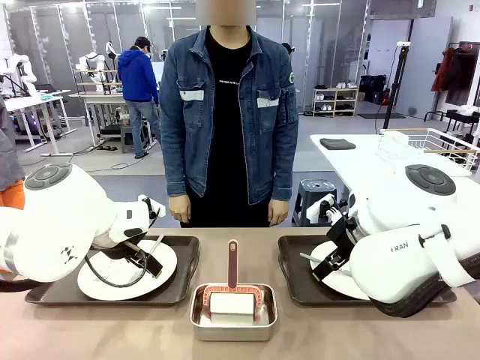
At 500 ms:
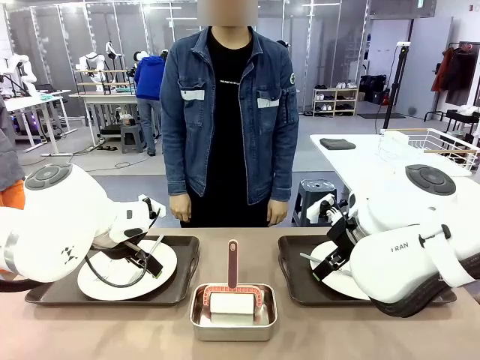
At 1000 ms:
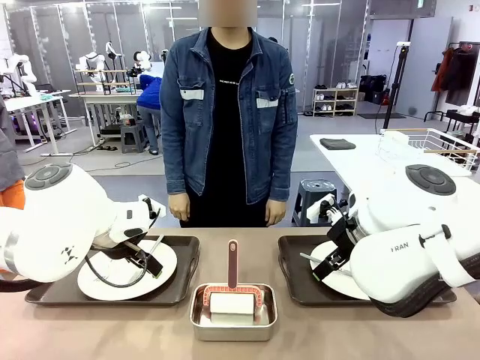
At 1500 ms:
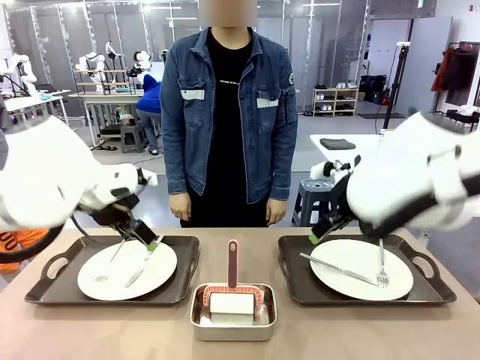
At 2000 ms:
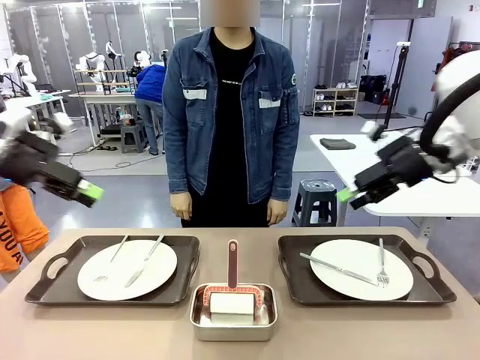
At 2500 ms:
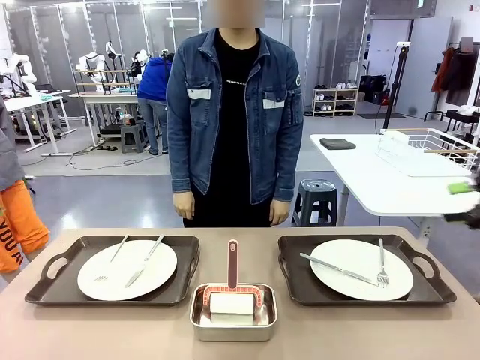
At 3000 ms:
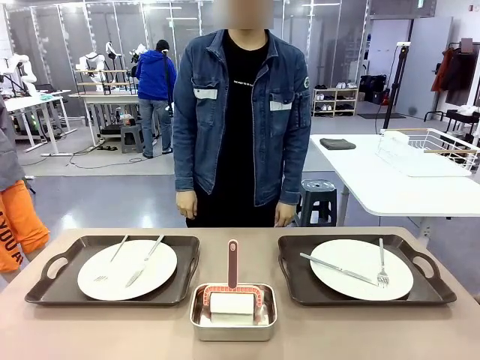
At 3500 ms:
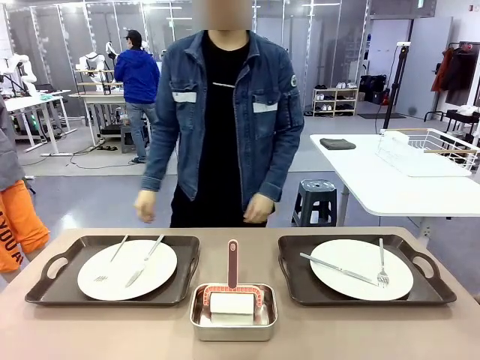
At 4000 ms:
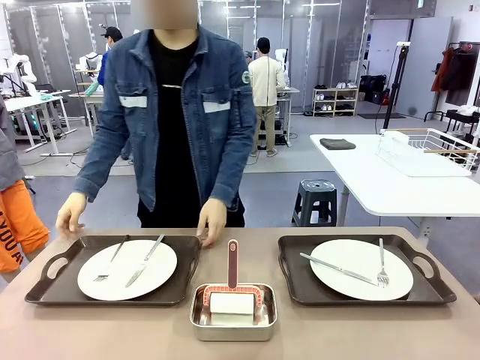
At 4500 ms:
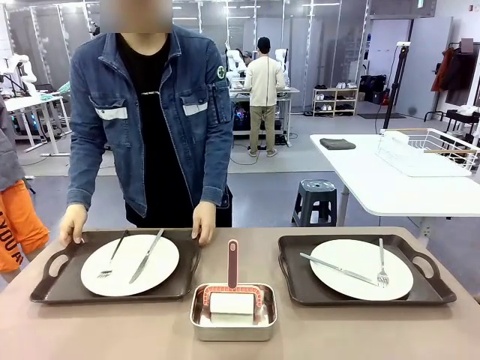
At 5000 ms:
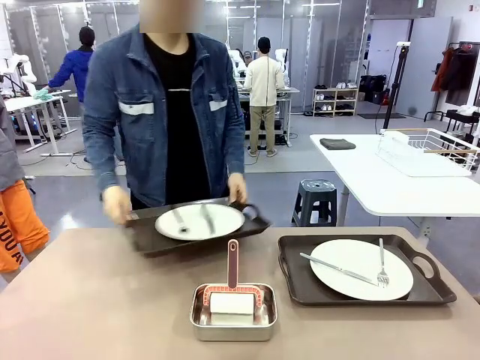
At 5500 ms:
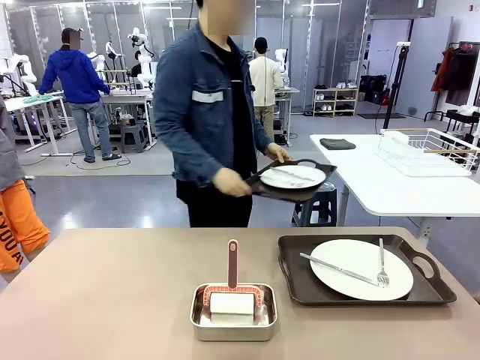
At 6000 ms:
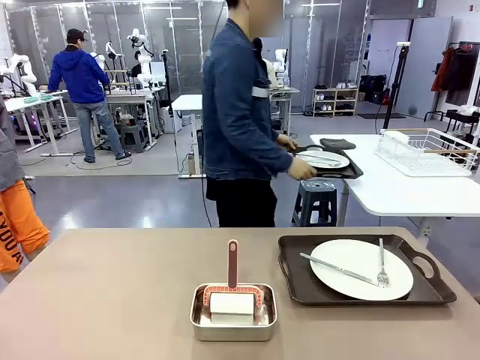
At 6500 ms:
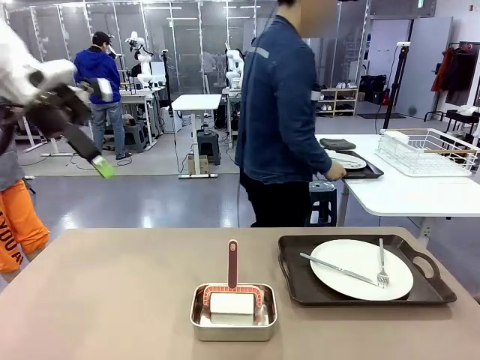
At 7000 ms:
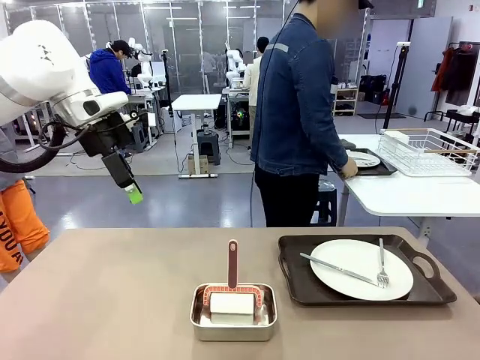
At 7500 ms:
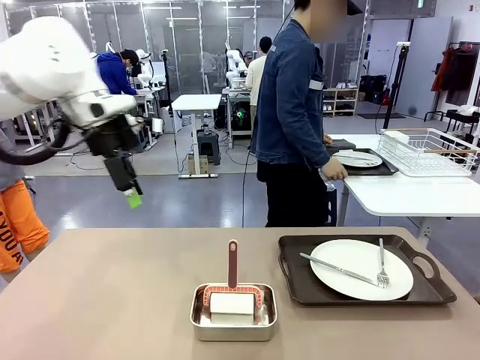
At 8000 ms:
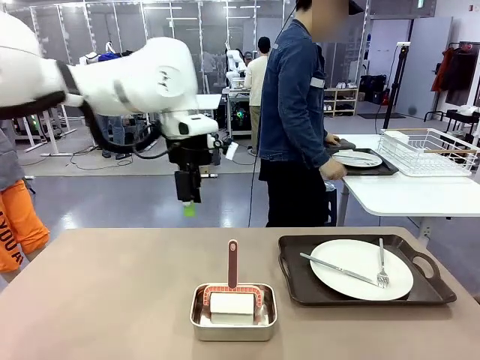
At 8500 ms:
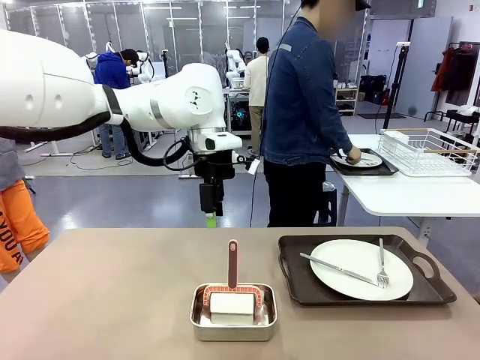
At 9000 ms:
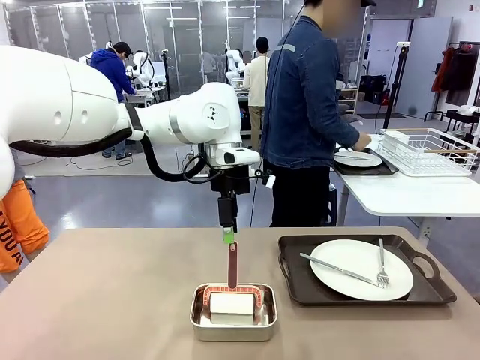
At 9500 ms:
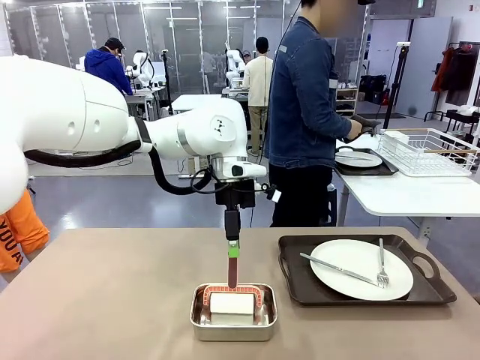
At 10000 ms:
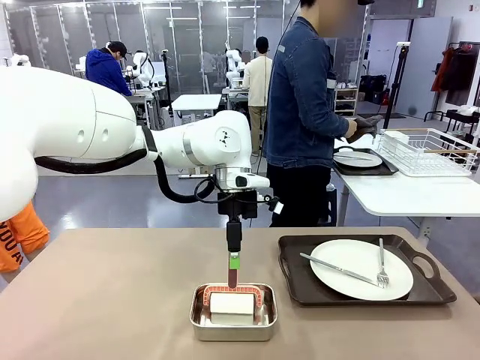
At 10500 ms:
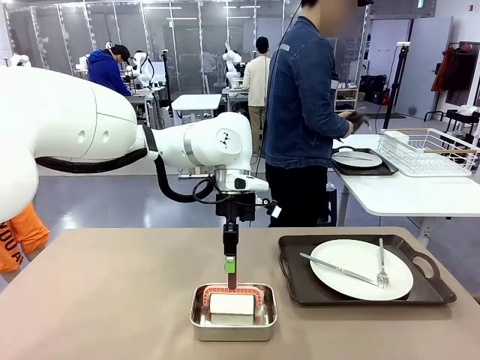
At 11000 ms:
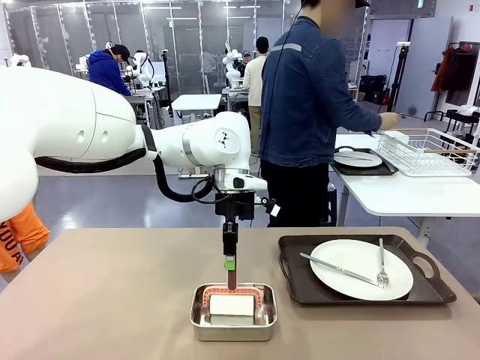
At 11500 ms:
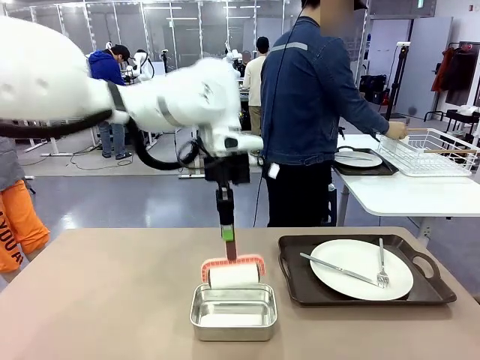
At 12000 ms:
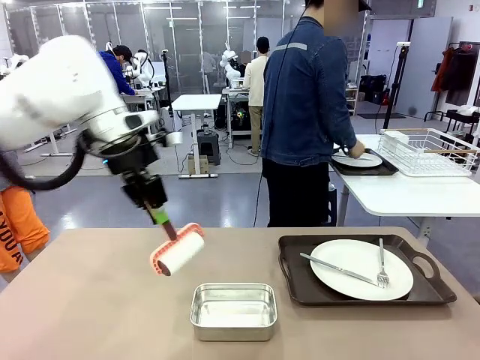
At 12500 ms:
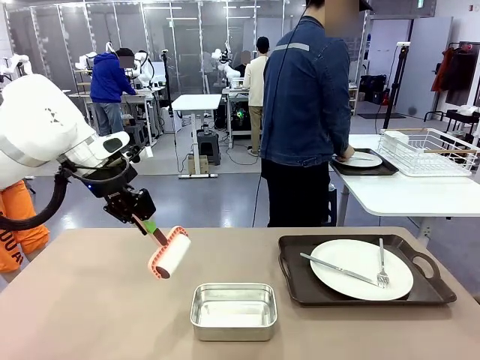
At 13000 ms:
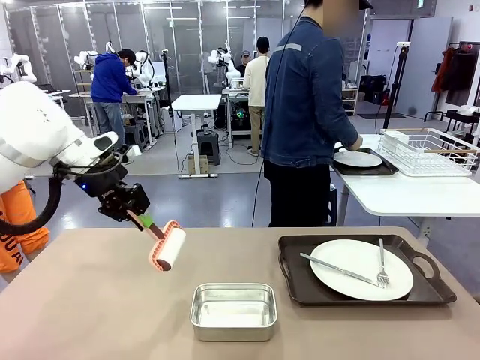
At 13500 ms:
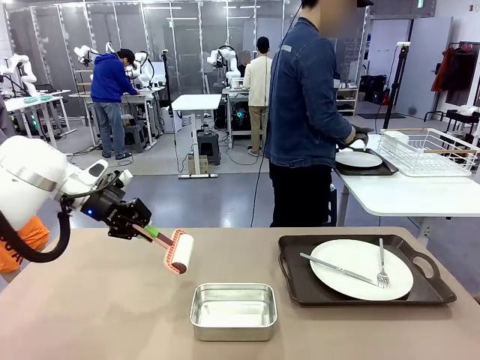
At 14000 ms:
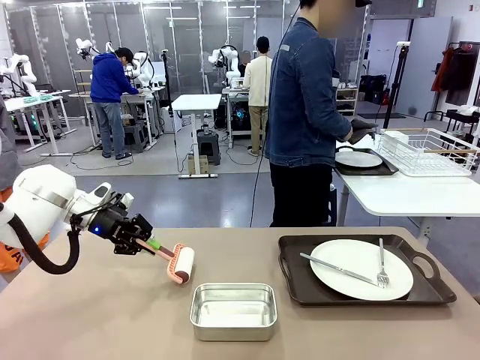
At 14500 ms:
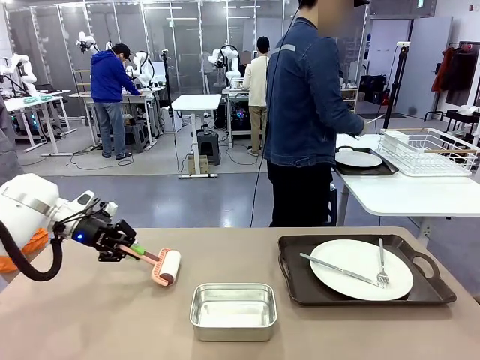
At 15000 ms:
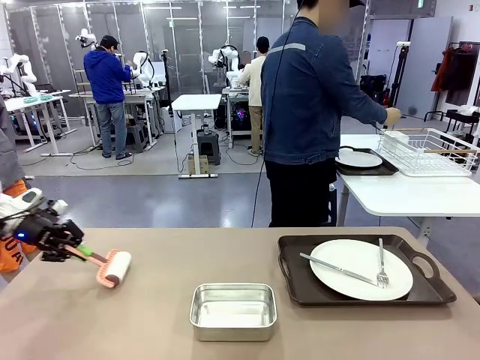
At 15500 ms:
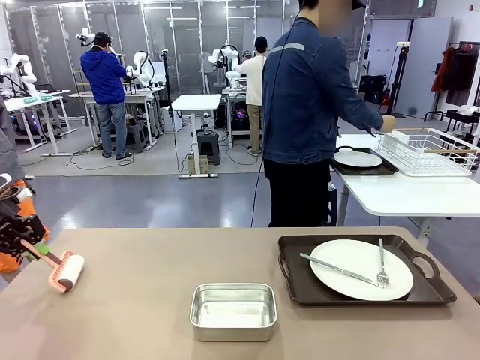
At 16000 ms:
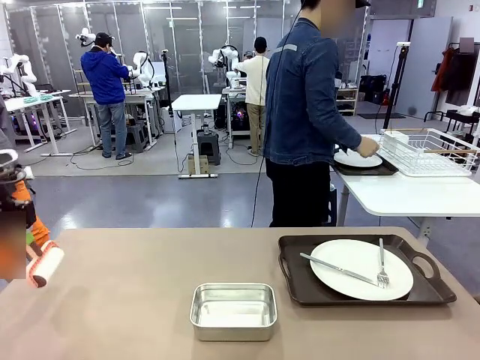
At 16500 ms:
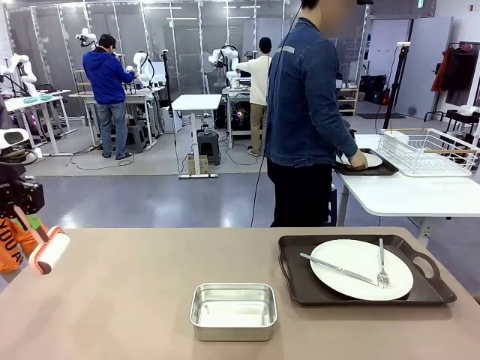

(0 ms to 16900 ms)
Robot: When the left (or right) Handle tray is removed, use the left hand (or right hand) to clean the left (or right) side of the table with the Lint Roller.
Person: Pick up the left (or right) Handle tray and place it on the middle of the Human's table. Use the Towel with hook to wipe the Plastic Matte Plate , Fork , and Knife and place into the Dish drying rack.

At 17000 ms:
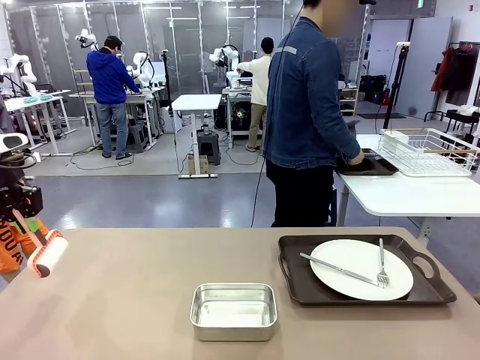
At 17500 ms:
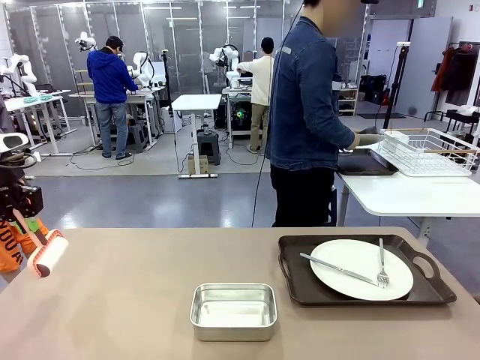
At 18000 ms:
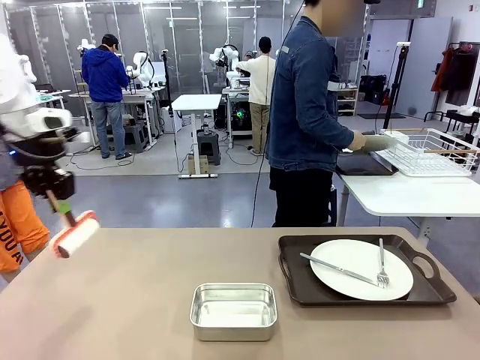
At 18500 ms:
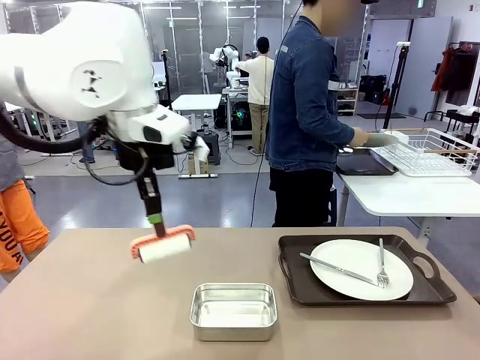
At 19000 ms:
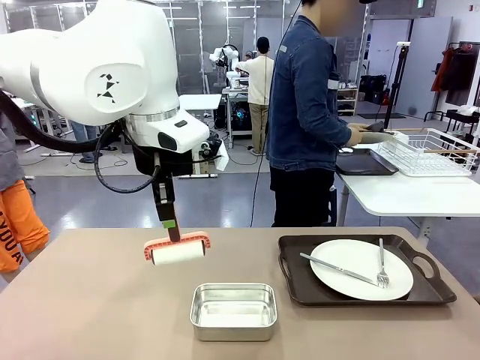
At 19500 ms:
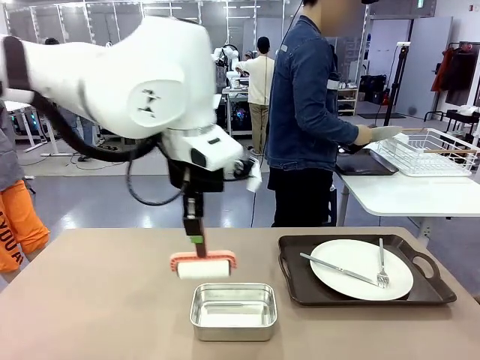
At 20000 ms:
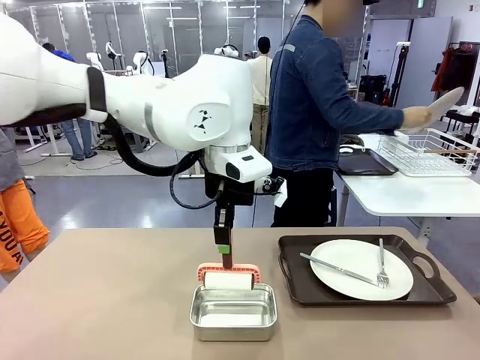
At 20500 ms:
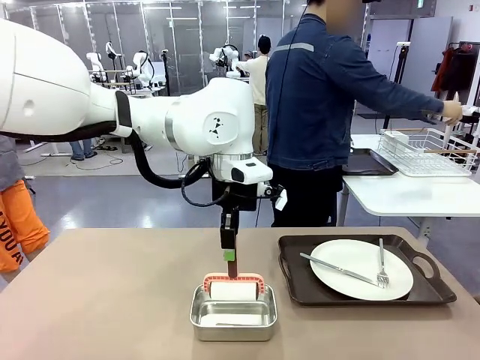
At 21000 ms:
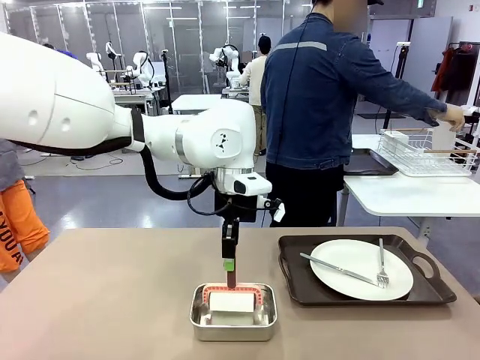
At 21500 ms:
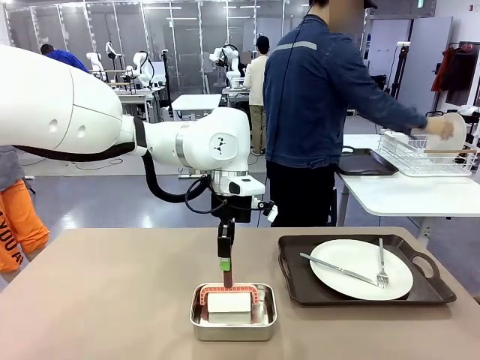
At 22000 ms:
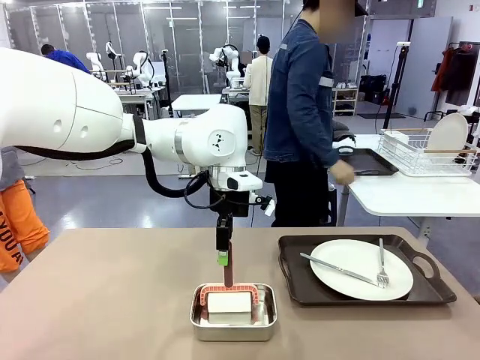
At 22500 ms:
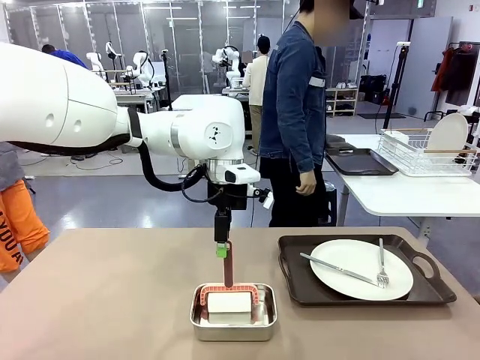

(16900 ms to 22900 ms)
Robot: Place the Lint Roller back on top of the Airtight Container.
